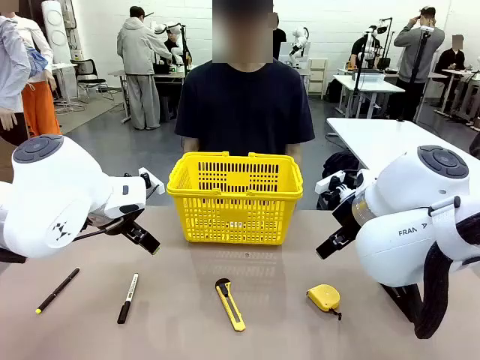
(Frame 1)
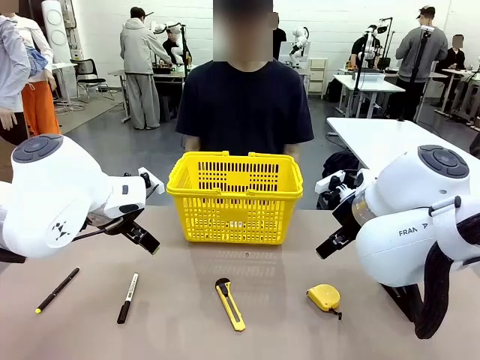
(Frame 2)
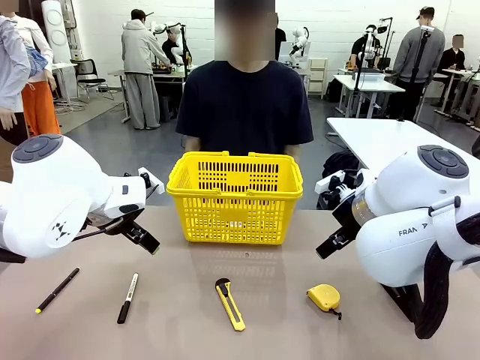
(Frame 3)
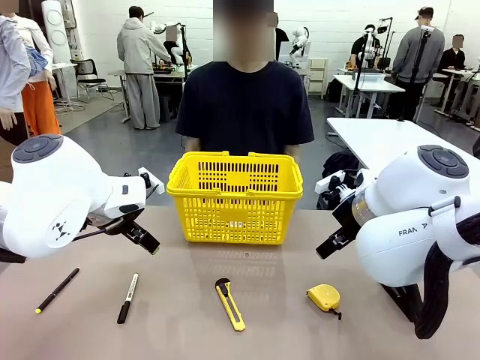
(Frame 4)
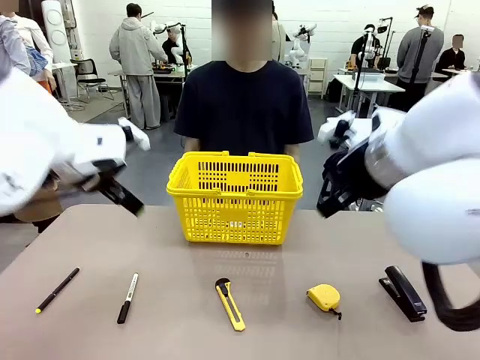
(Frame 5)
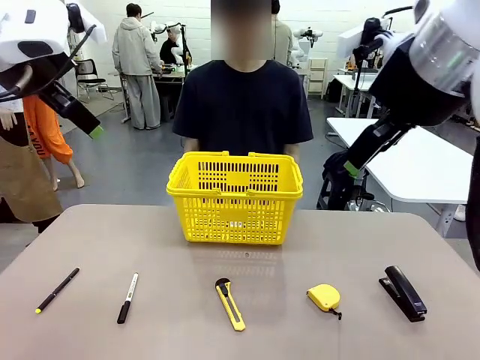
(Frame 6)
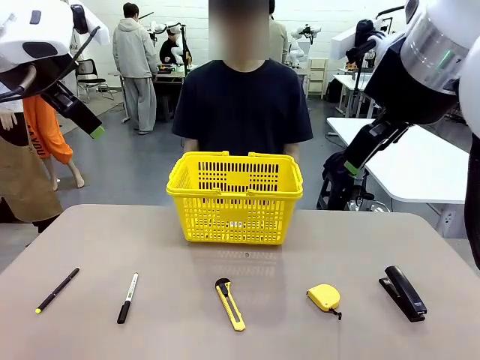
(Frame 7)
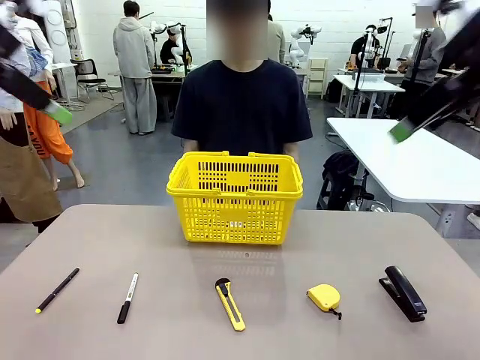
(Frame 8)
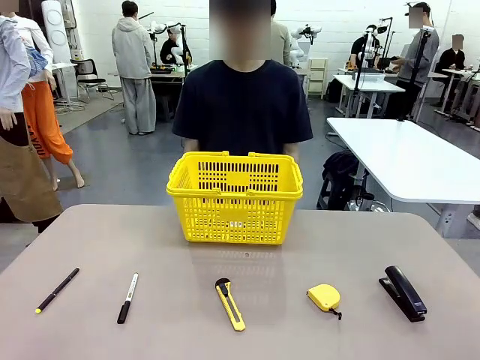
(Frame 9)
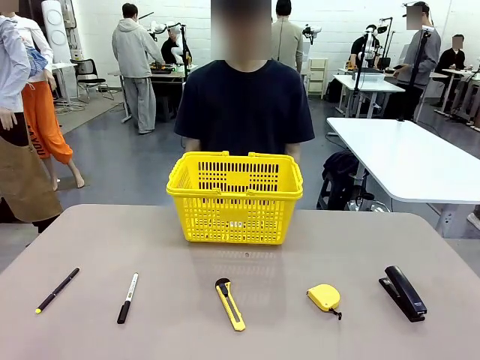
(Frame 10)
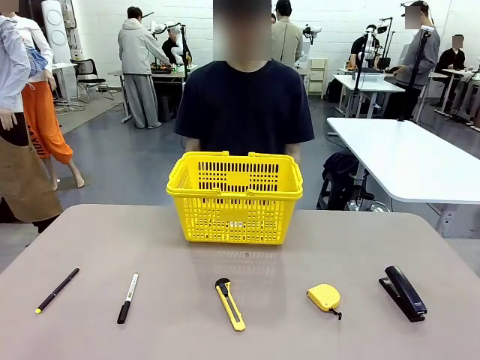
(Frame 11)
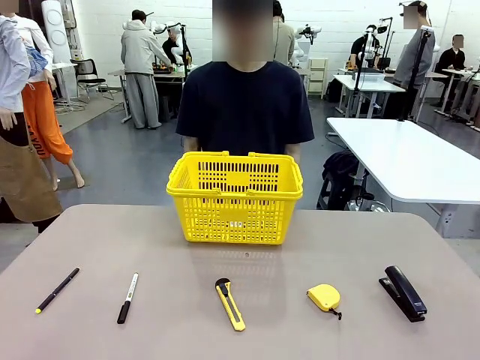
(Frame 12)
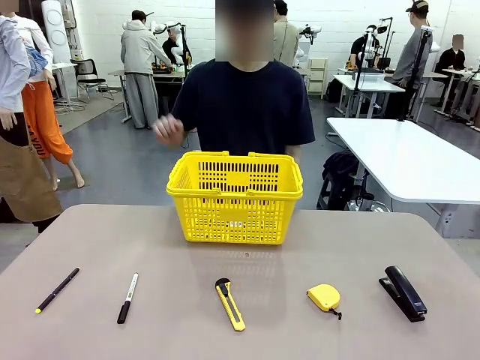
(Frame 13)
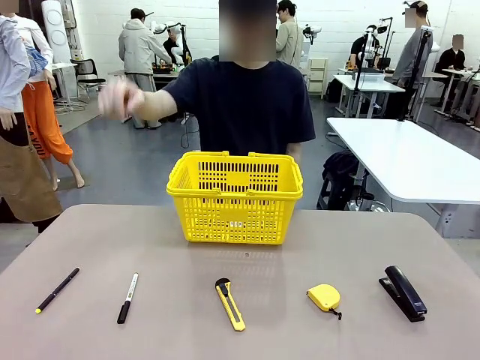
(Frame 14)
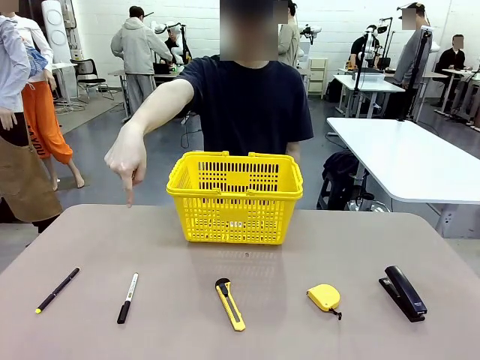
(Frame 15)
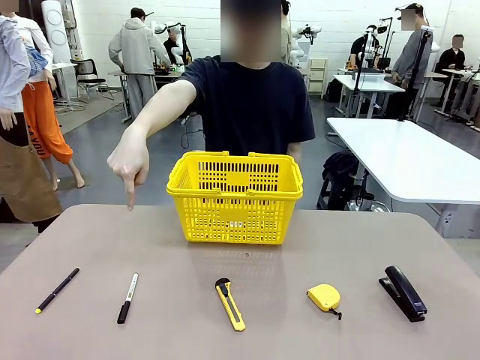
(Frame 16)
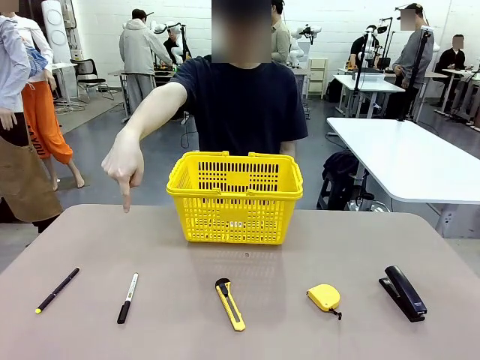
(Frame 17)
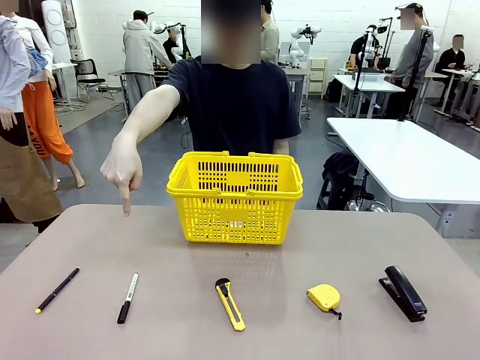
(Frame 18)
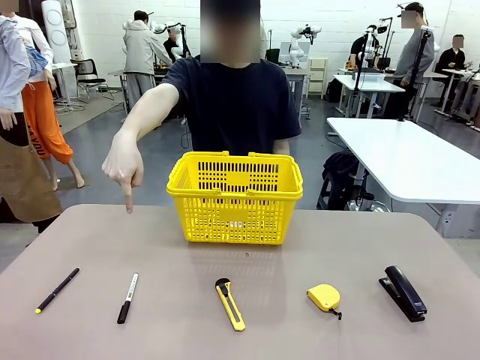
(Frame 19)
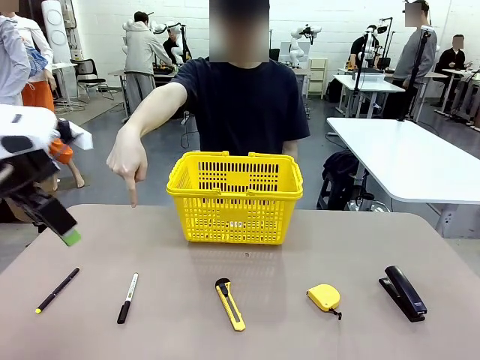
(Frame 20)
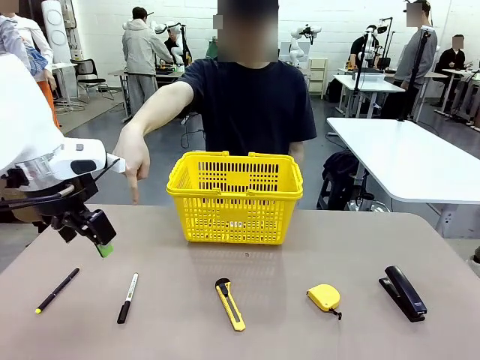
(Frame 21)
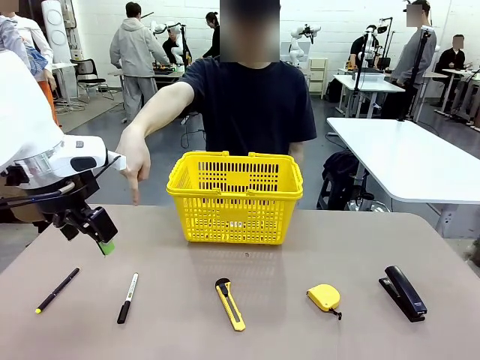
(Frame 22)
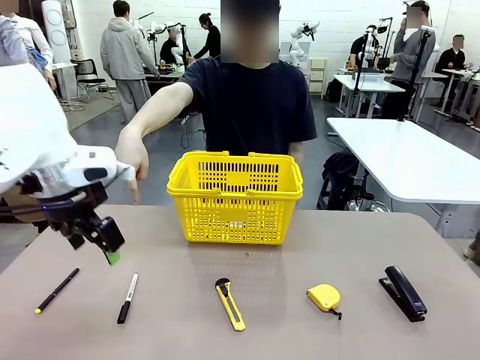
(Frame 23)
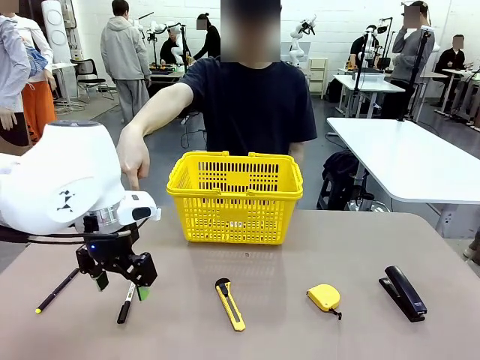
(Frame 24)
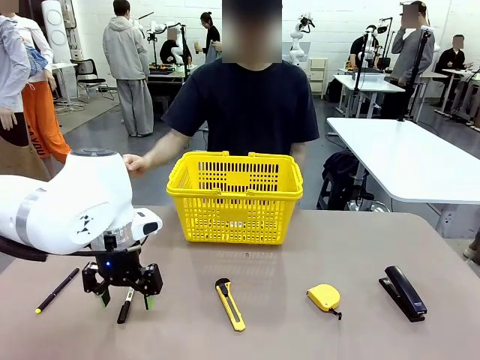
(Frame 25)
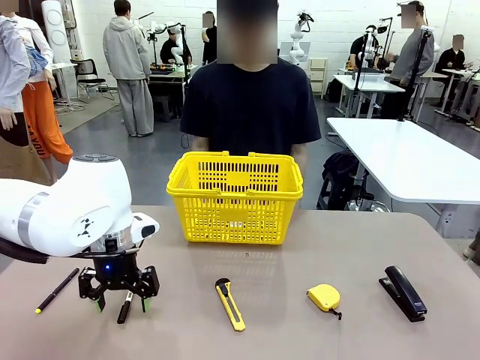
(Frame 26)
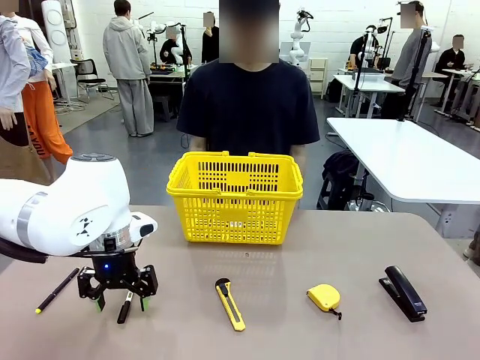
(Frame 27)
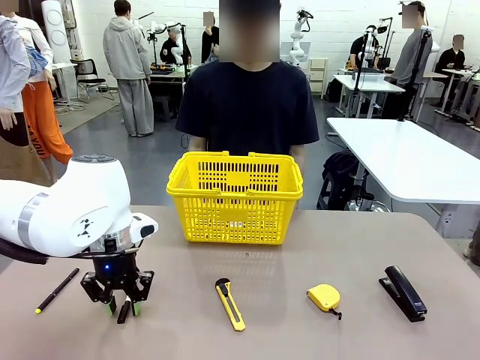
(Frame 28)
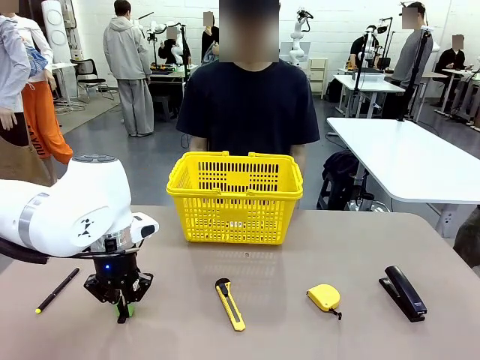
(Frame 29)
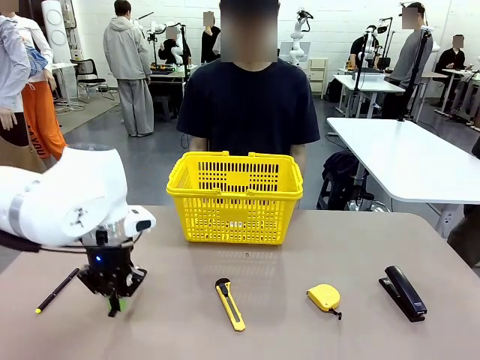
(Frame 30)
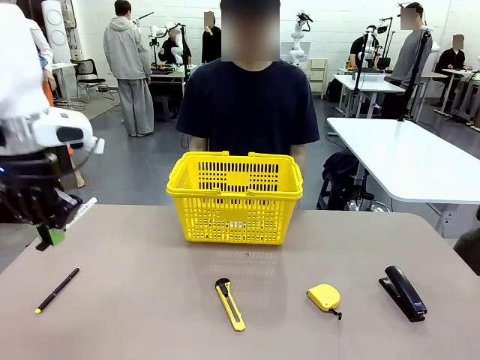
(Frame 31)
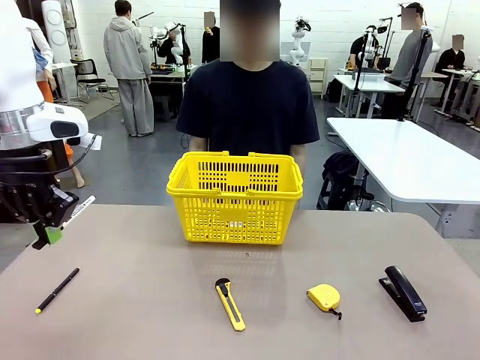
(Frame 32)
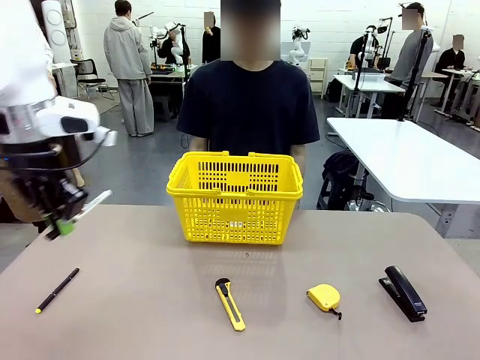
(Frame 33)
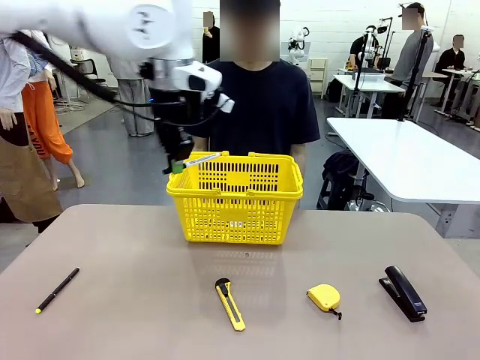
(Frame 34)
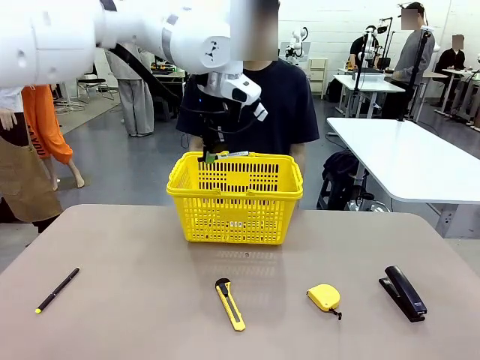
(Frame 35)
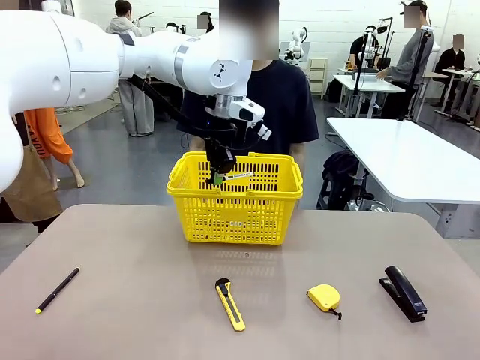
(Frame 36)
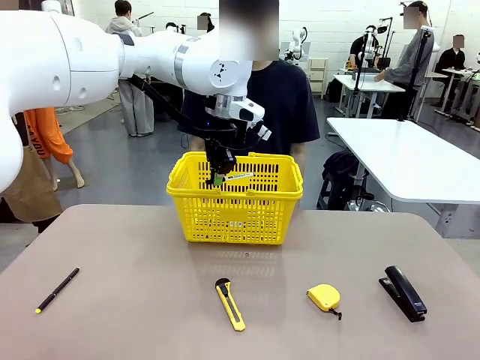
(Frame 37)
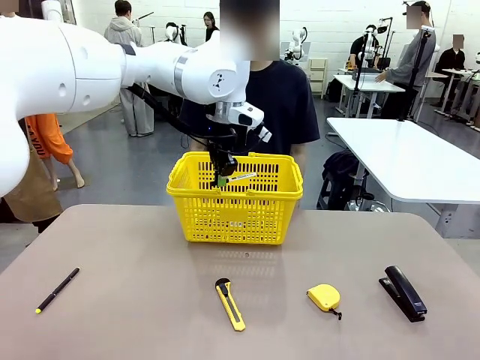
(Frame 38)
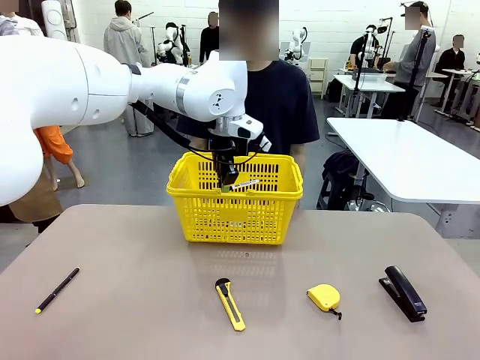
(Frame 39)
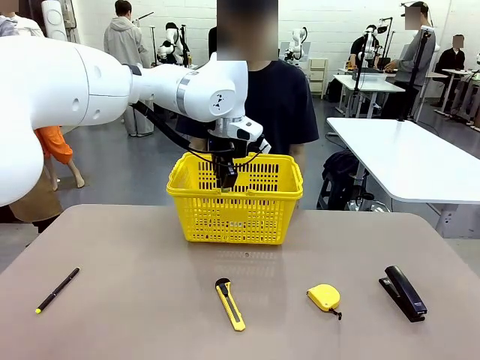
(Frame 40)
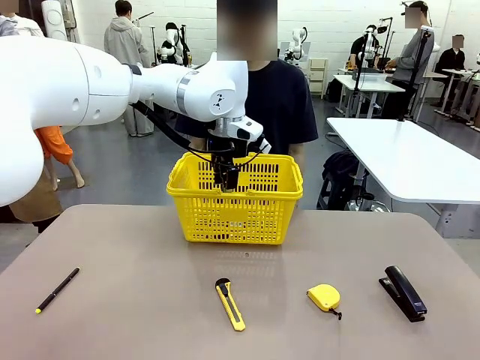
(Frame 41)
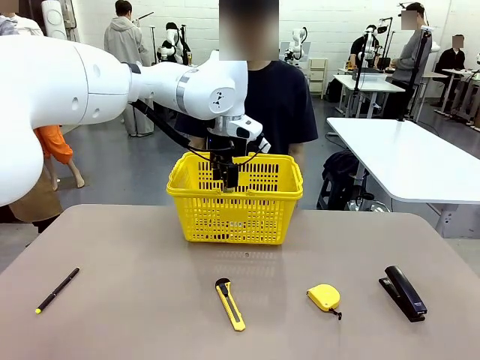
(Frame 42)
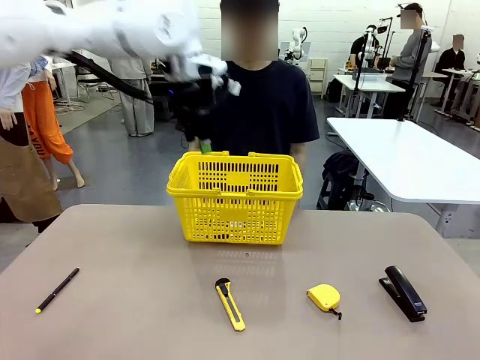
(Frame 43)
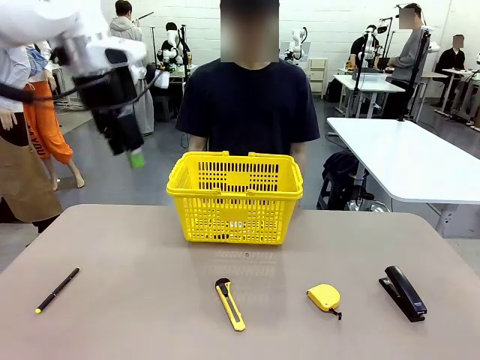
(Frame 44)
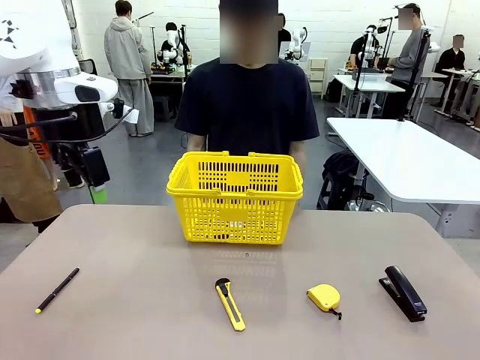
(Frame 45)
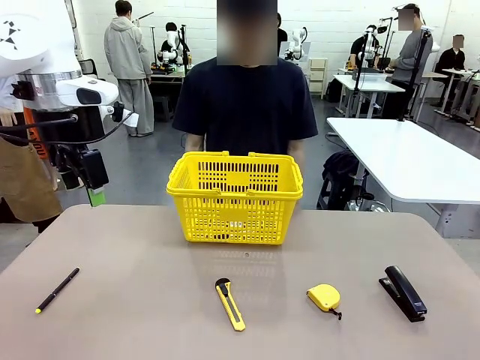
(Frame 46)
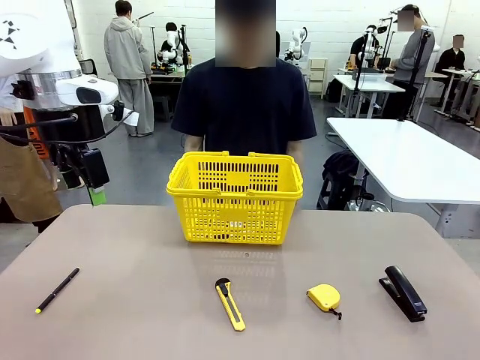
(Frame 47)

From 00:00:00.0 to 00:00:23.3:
Task: Place the items the person wants into the basket.
Robot: Pick up the item the person points to and place it in the Market Basket.
